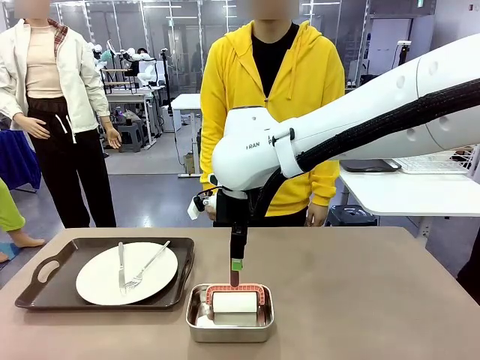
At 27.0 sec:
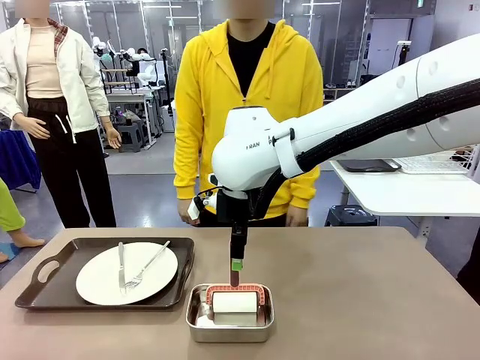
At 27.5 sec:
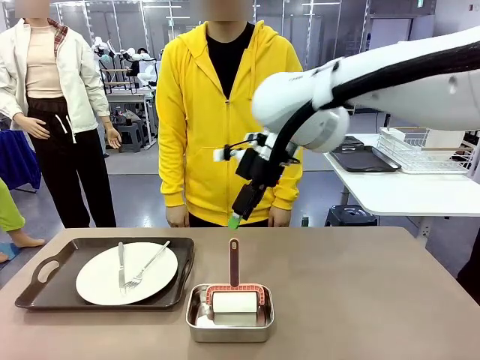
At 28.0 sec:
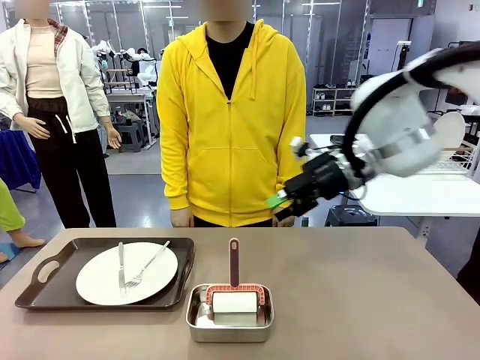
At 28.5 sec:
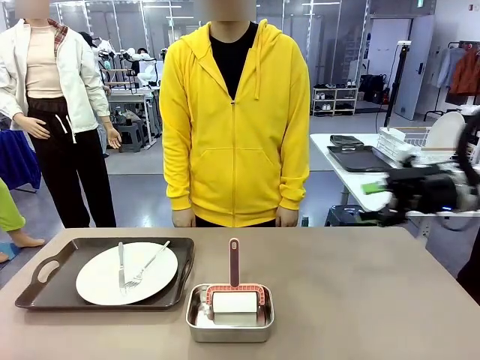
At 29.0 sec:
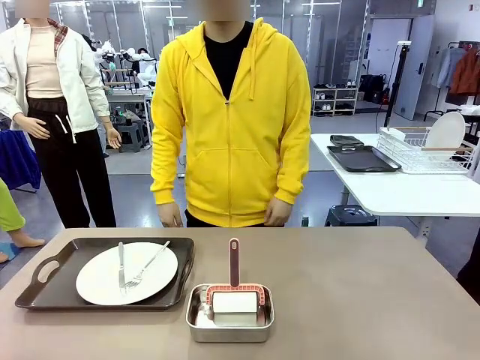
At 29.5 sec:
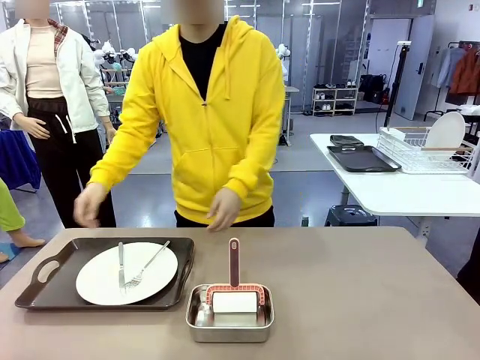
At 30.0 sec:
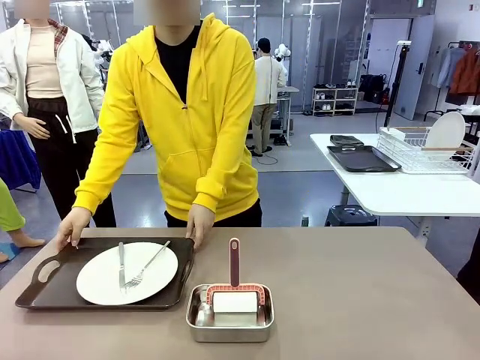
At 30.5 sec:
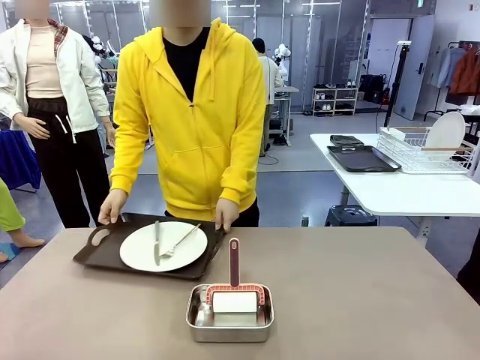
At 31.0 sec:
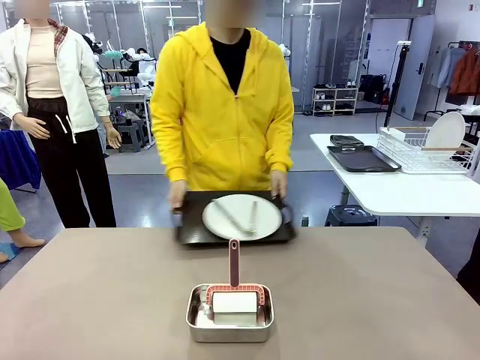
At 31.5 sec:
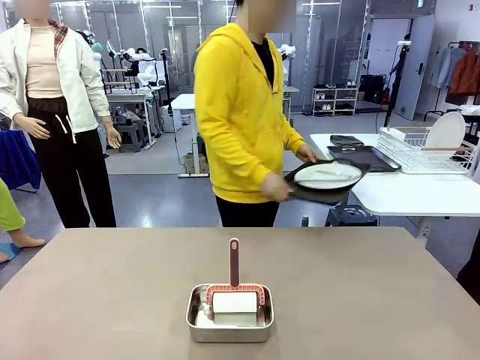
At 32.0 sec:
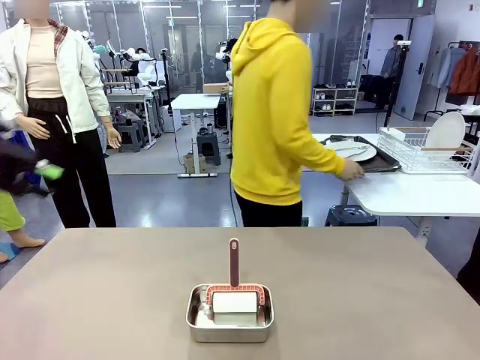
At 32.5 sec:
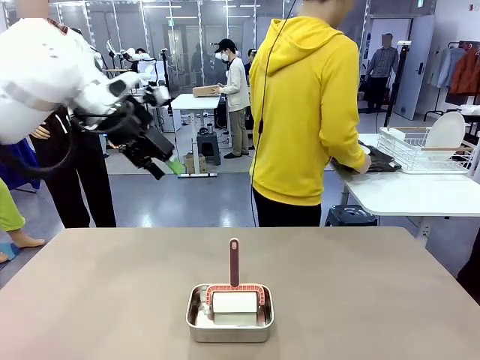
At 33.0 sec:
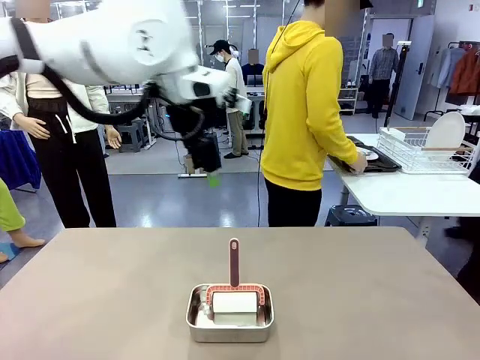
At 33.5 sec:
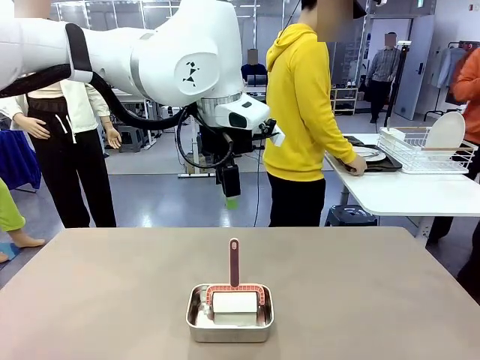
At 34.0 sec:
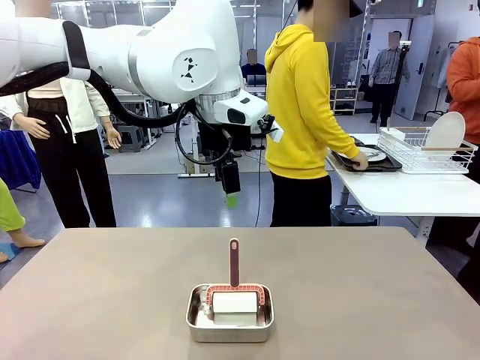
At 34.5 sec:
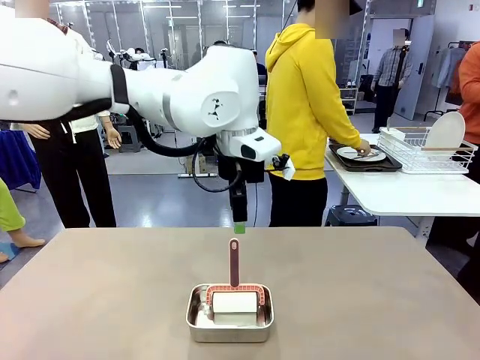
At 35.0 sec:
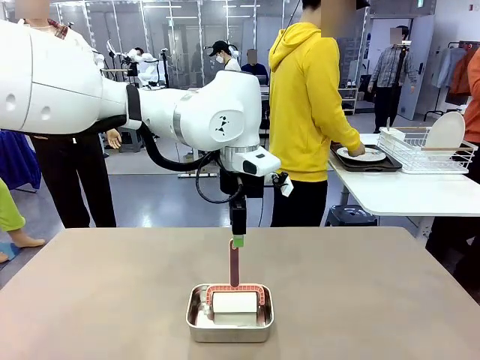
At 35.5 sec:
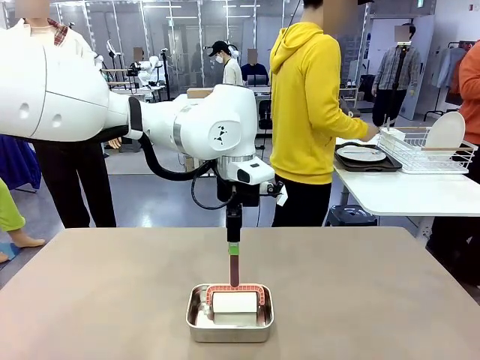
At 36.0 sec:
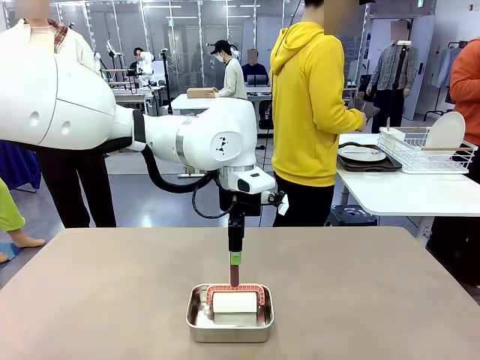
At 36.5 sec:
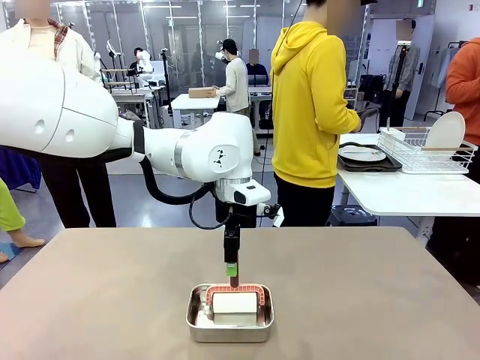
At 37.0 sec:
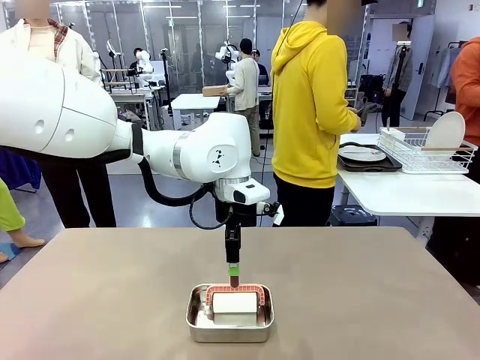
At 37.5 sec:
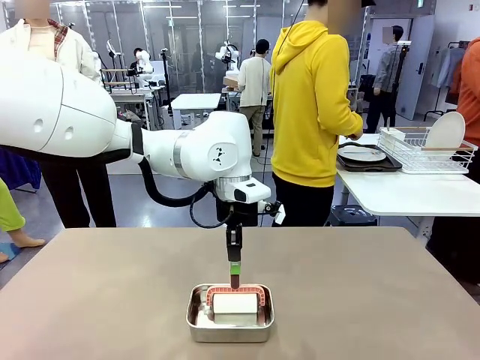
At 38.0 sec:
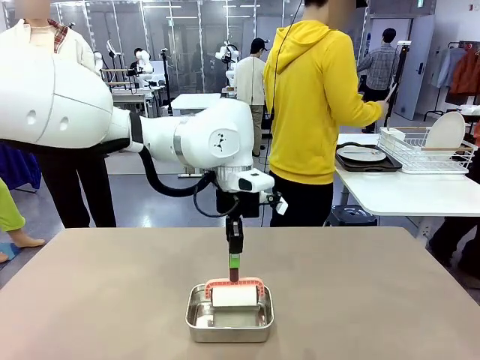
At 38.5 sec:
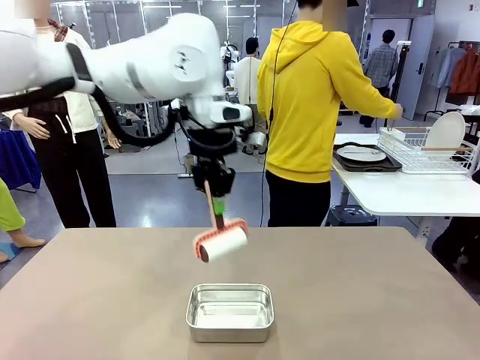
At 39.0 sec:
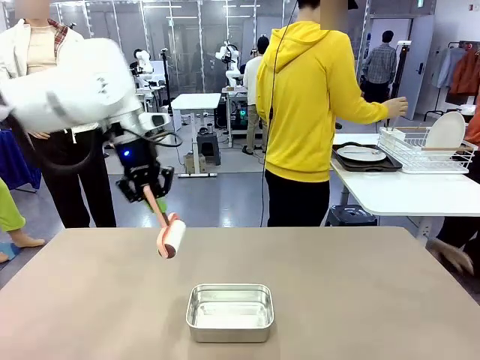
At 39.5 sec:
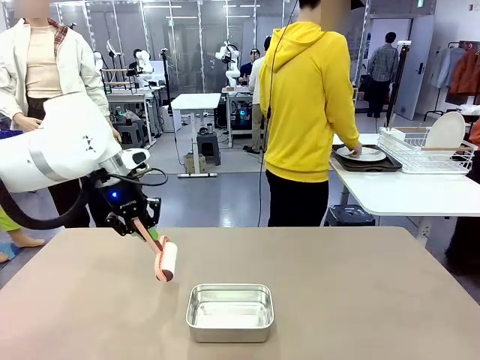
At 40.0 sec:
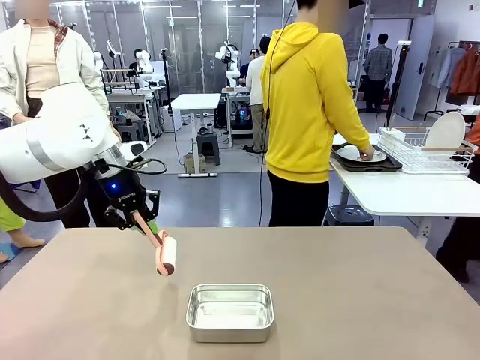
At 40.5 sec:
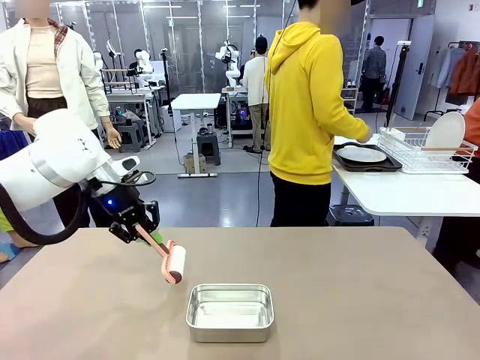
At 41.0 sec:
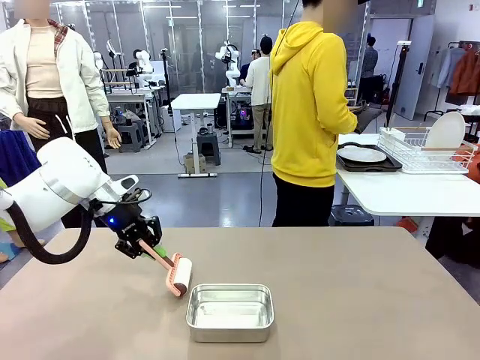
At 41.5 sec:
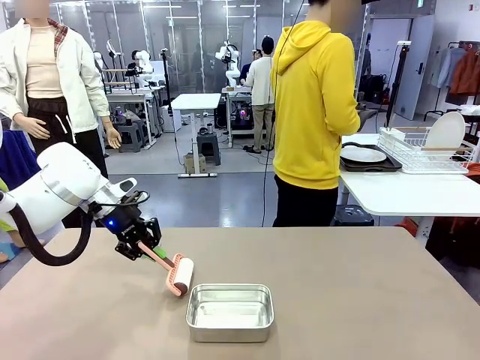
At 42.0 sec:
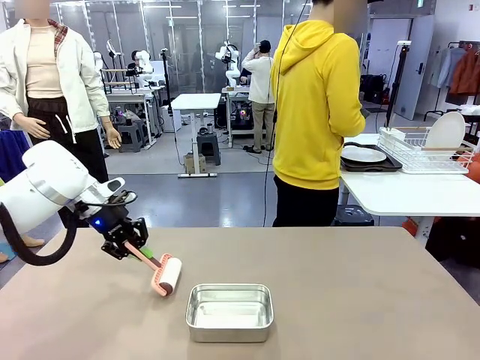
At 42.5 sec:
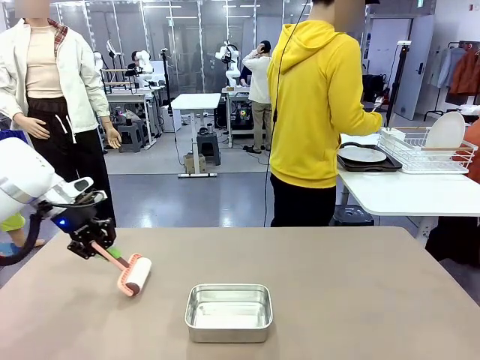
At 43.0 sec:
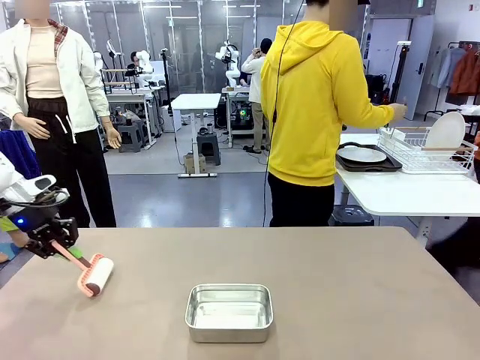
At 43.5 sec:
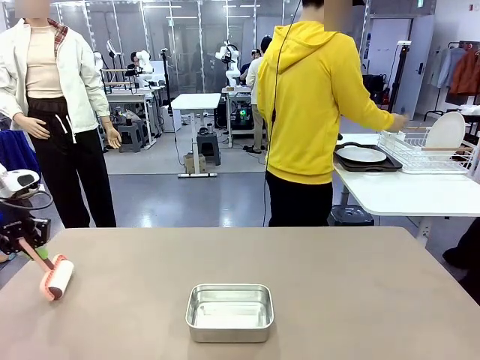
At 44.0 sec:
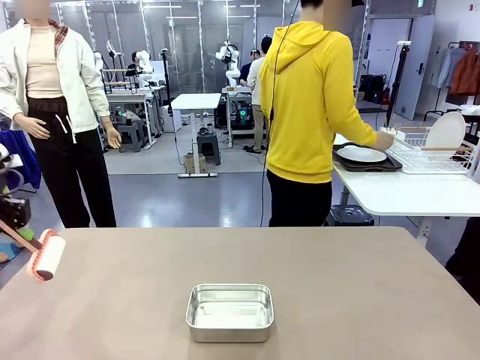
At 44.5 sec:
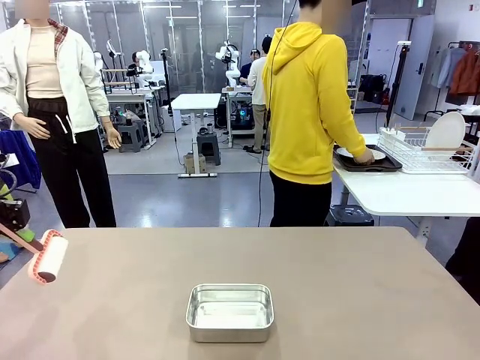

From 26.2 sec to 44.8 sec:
Robot: When the right (or left) Handle tray is removed, use the right hand (or left hand) to clean the right (or left) side of the table with the Lint Roller.
Person: Pick up the left (or right) Handle tray and place it on the Handle tray. Use the Towel with hook to wipe the Plastic Matte Plate , Fork , and Knife and place into the Dish drying rack.

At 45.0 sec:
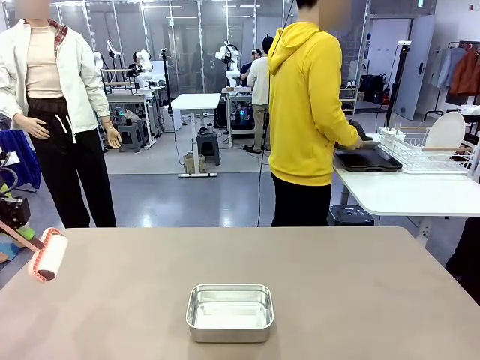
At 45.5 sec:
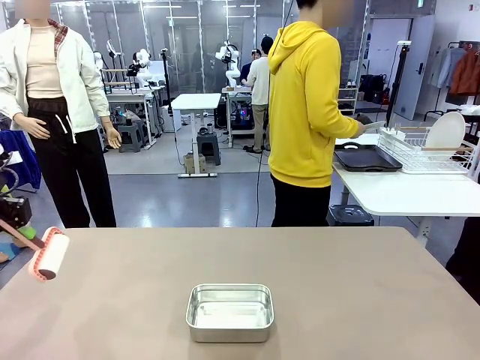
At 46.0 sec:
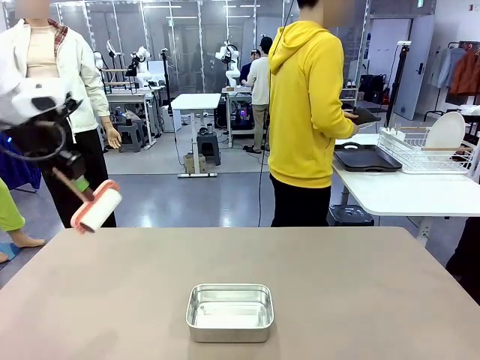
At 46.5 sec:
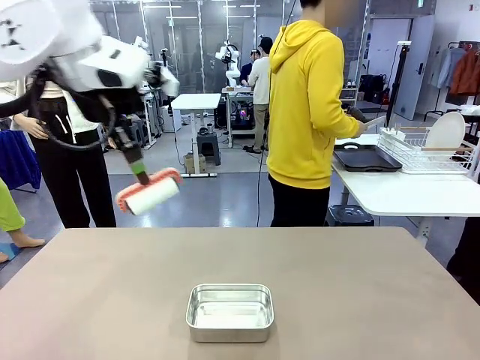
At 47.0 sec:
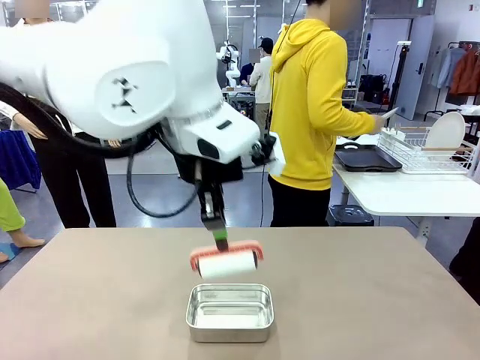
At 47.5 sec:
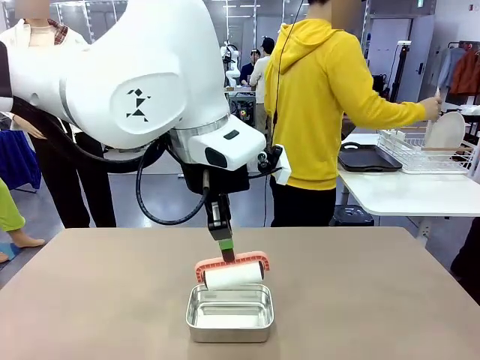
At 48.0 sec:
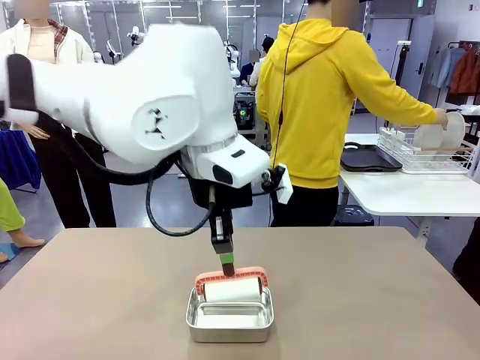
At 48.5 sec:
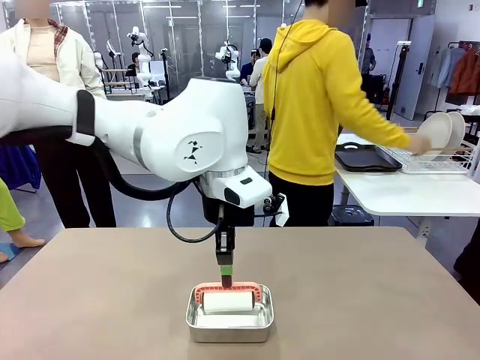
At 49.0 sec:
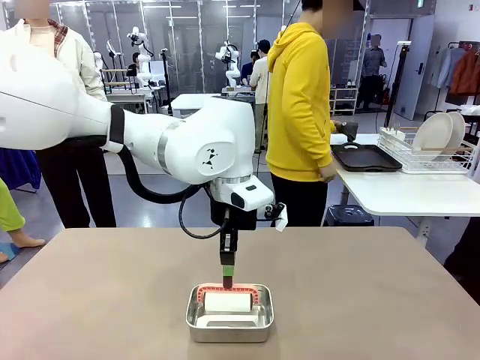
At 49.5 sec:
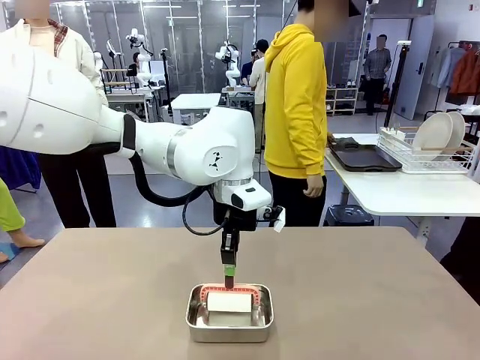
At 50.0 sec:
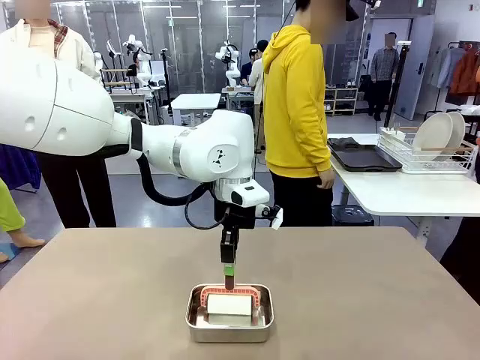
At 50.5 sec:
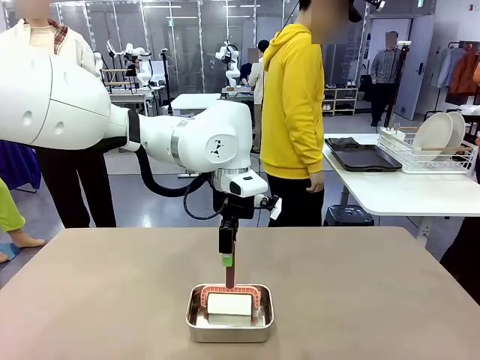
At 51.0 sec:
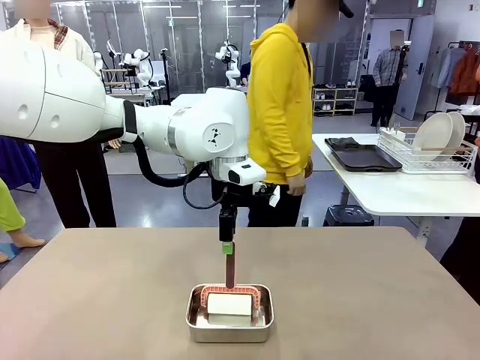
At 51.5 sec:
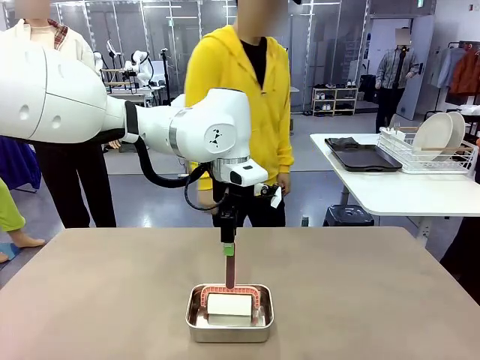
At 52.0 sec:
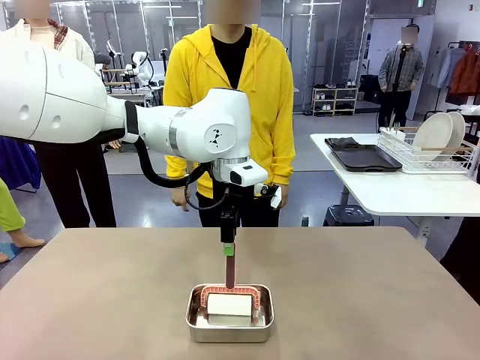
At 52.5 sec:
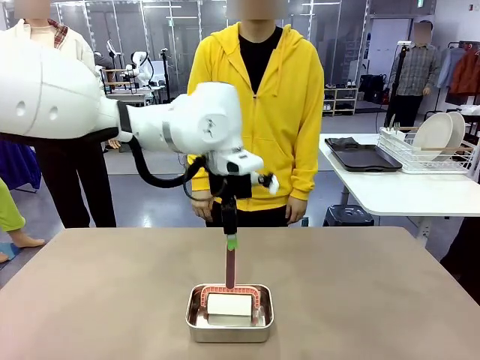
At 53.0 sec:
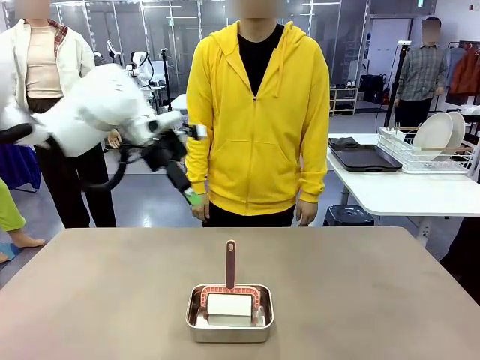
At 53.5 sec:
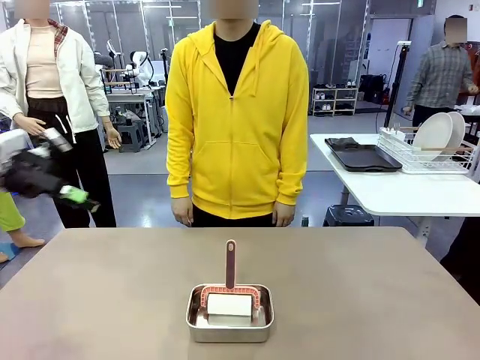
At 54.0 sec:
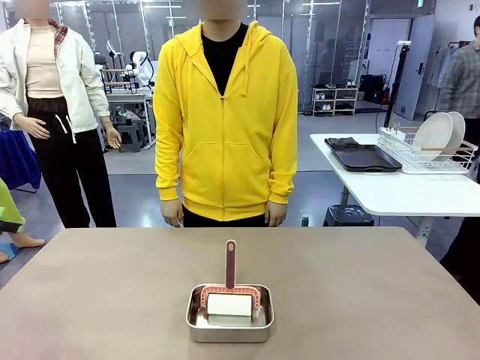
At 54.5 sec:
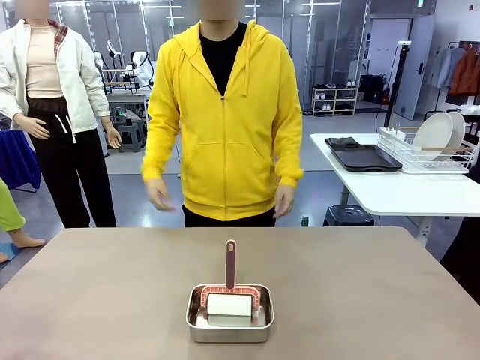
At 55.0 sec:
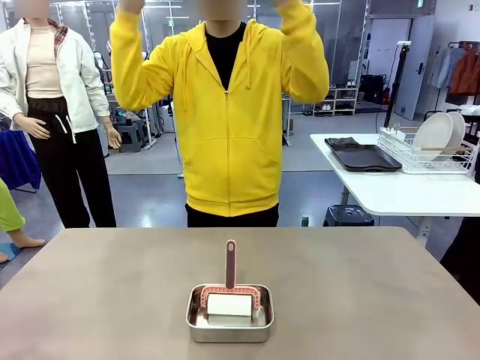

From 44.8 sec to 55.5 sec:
Robot: Place the Lint Roller back on top of the Airtight Container.
